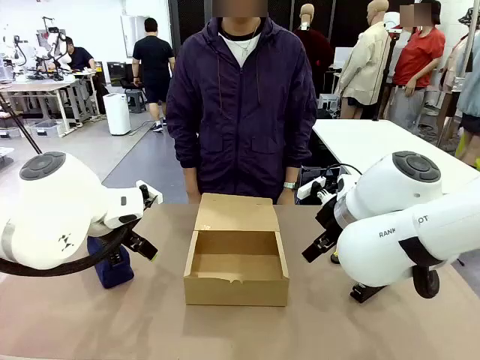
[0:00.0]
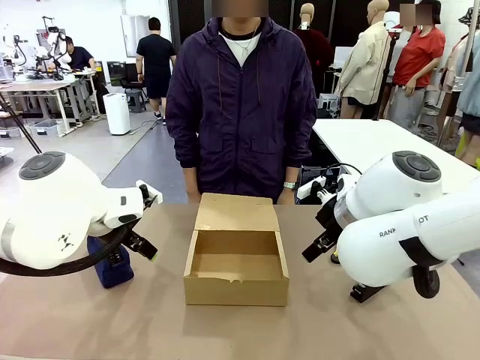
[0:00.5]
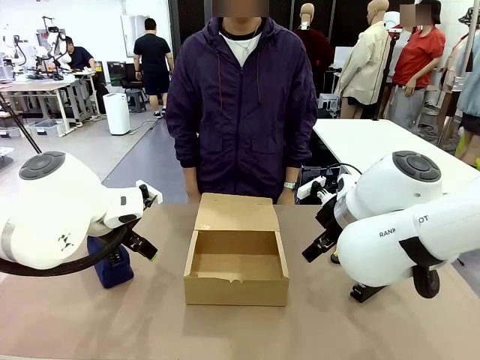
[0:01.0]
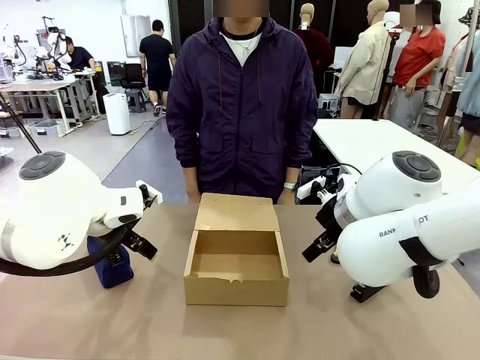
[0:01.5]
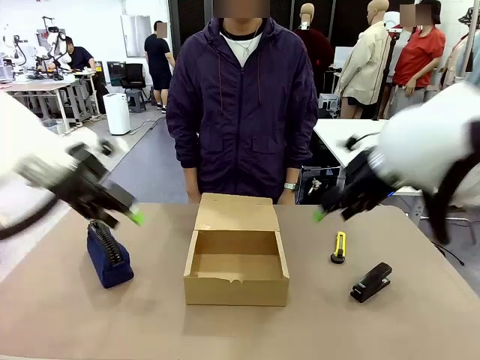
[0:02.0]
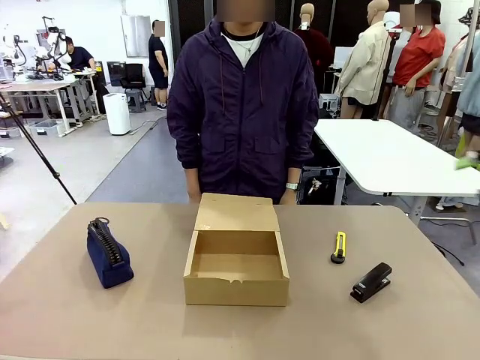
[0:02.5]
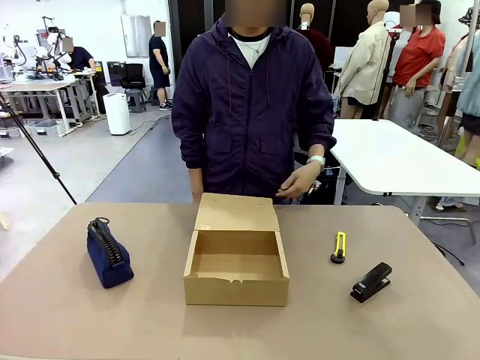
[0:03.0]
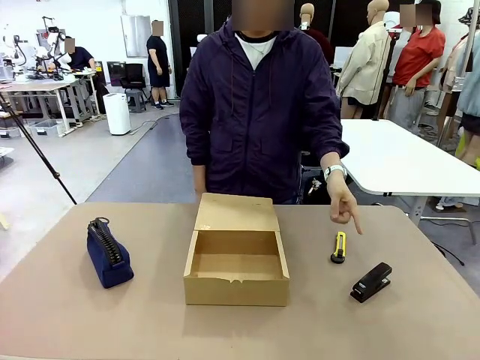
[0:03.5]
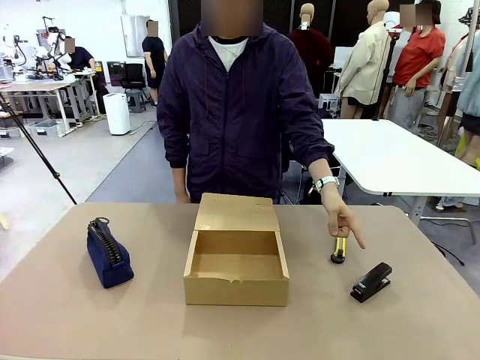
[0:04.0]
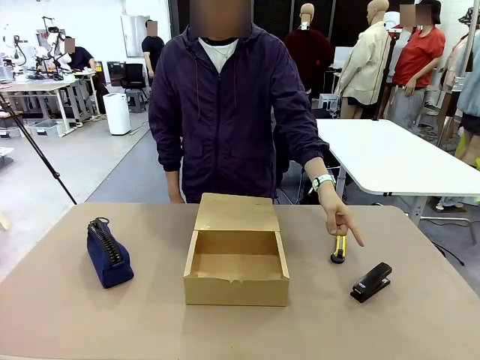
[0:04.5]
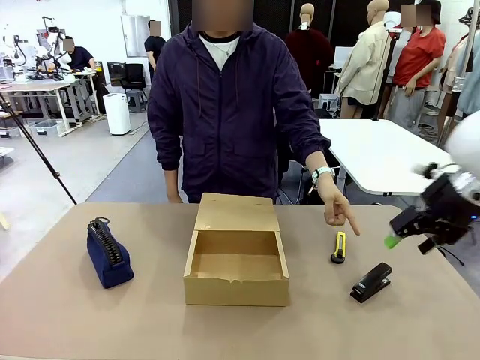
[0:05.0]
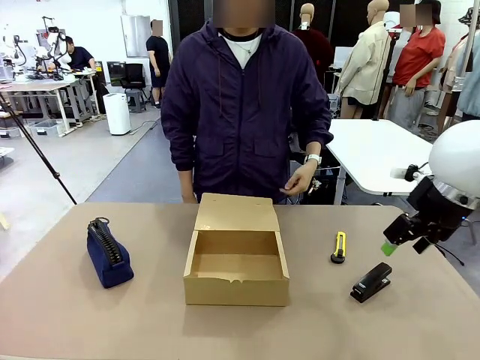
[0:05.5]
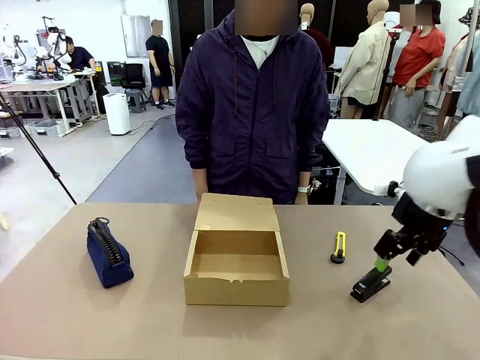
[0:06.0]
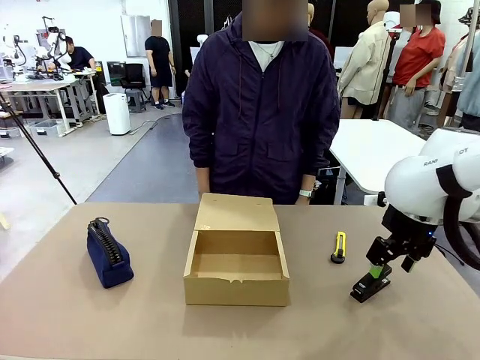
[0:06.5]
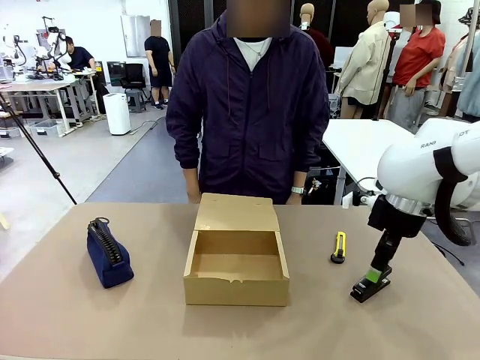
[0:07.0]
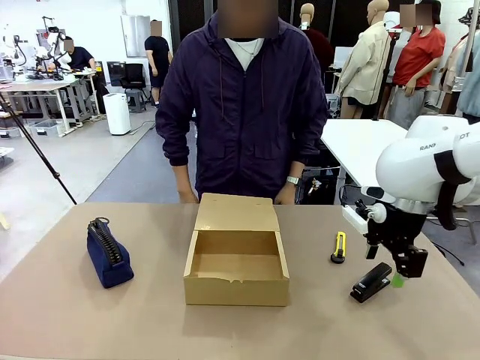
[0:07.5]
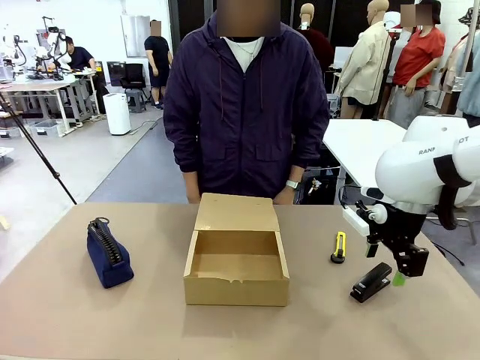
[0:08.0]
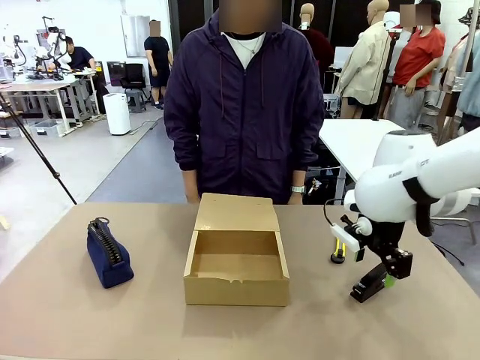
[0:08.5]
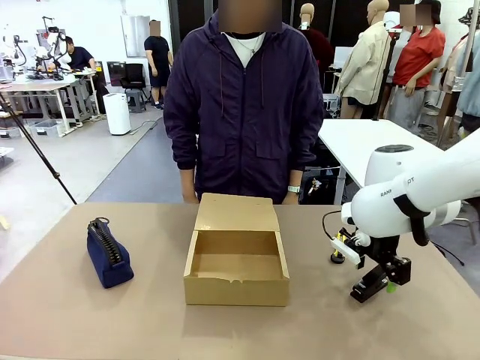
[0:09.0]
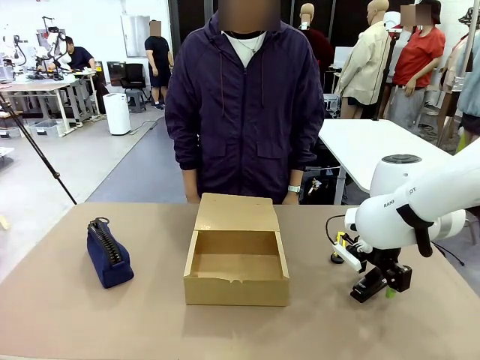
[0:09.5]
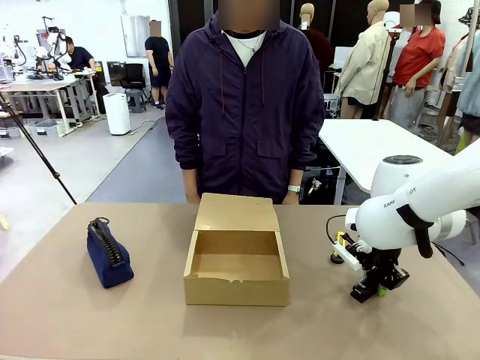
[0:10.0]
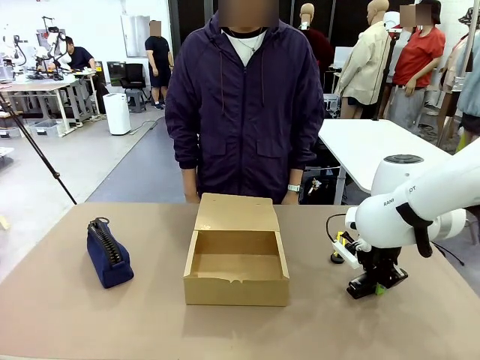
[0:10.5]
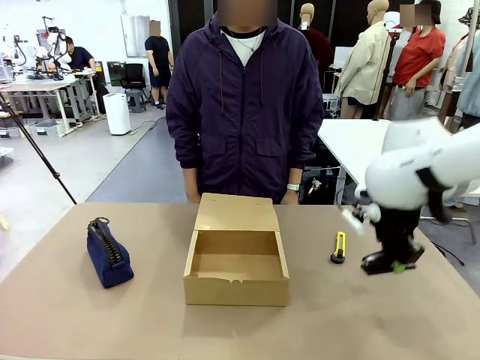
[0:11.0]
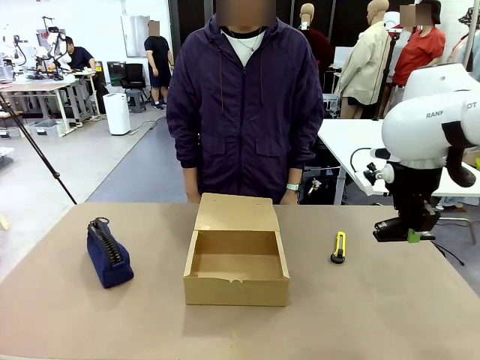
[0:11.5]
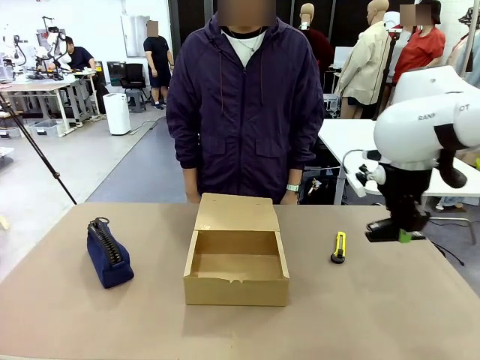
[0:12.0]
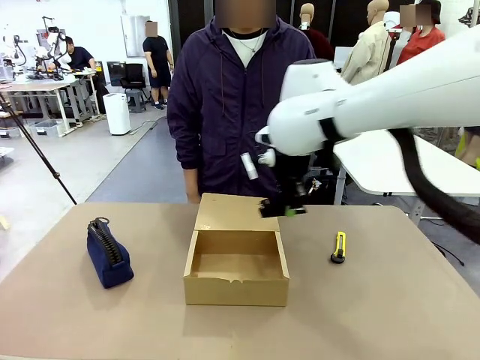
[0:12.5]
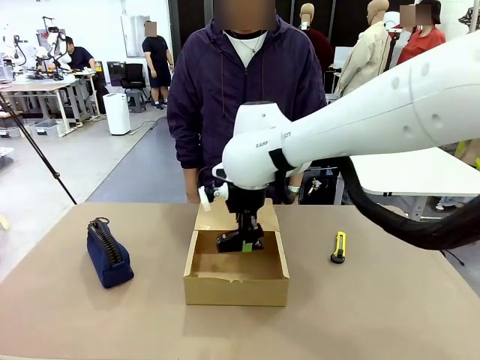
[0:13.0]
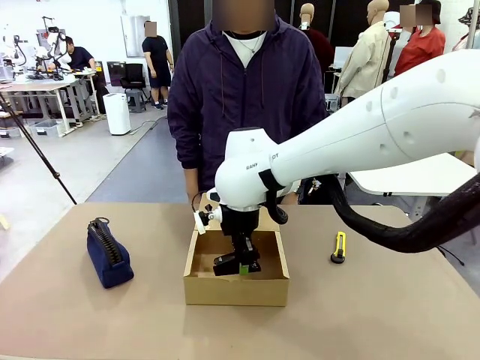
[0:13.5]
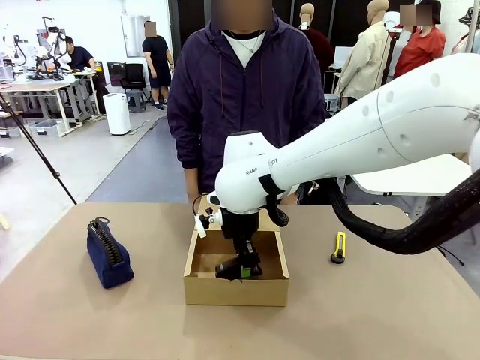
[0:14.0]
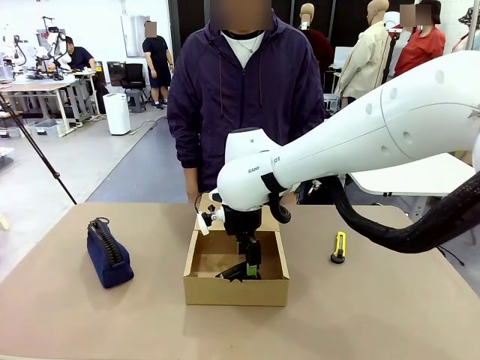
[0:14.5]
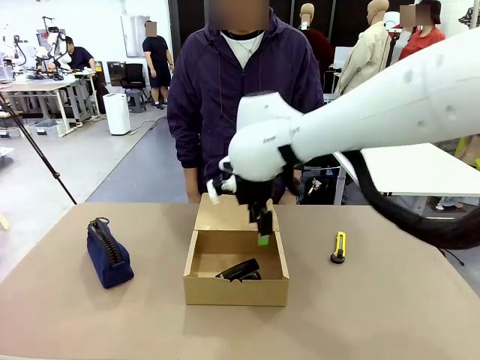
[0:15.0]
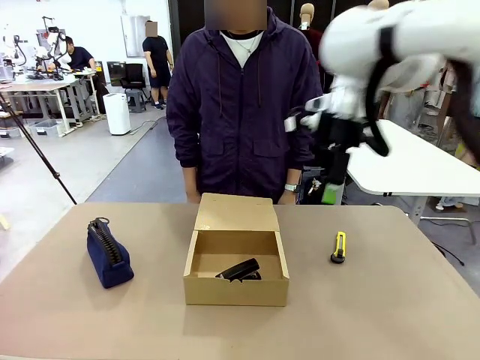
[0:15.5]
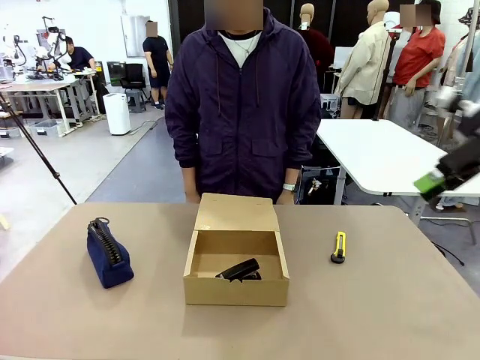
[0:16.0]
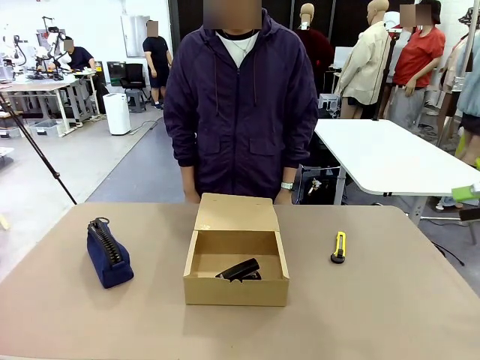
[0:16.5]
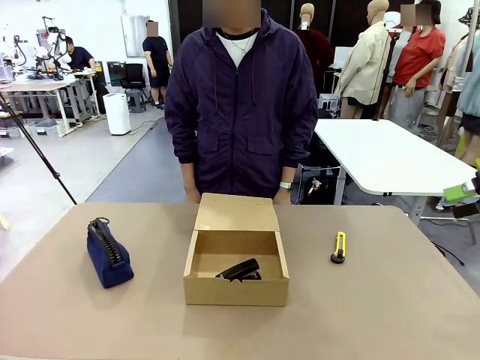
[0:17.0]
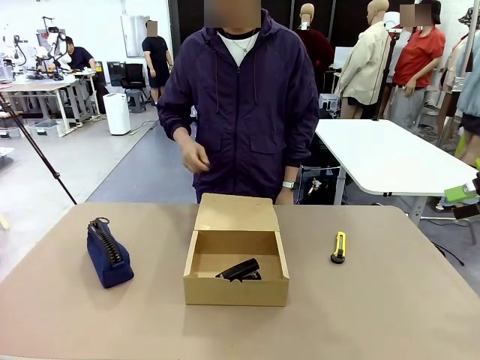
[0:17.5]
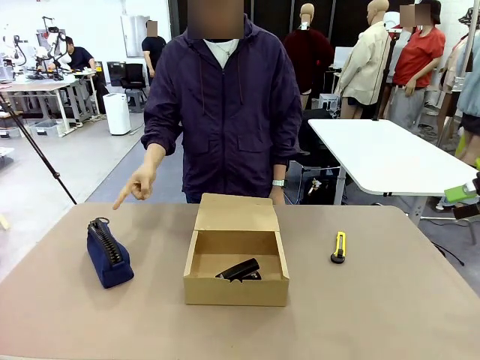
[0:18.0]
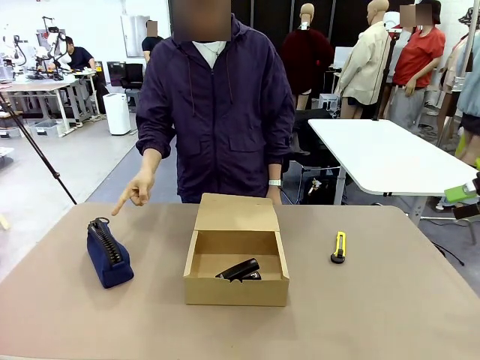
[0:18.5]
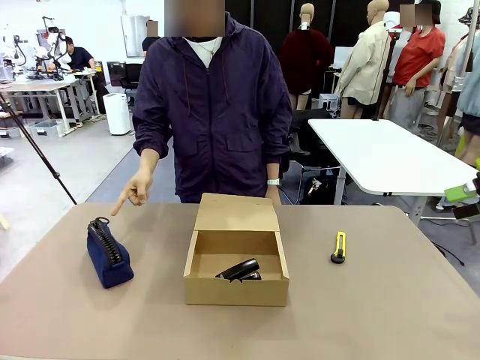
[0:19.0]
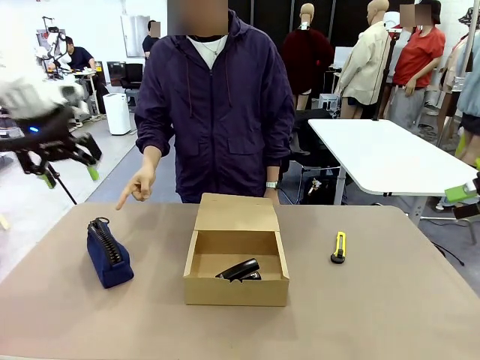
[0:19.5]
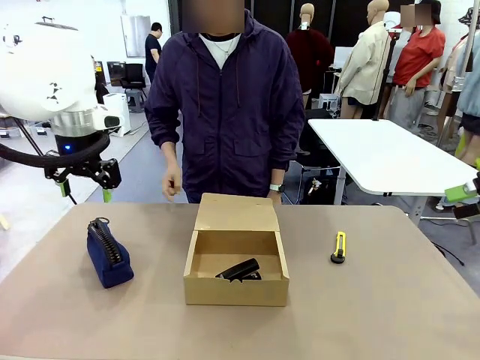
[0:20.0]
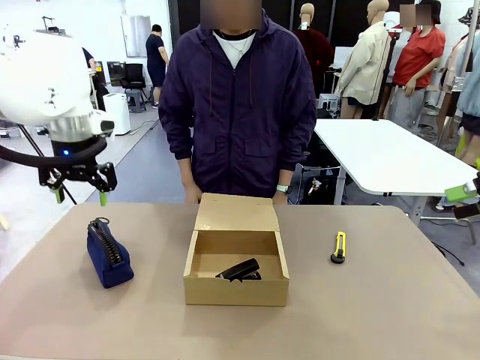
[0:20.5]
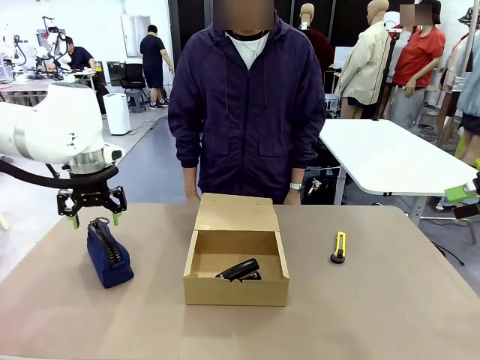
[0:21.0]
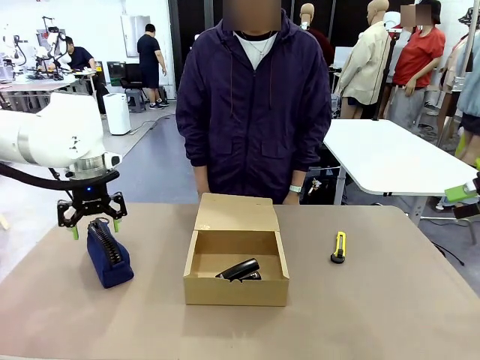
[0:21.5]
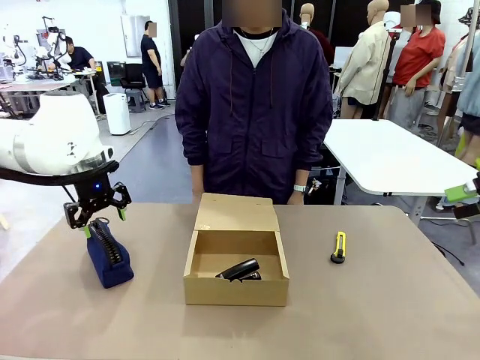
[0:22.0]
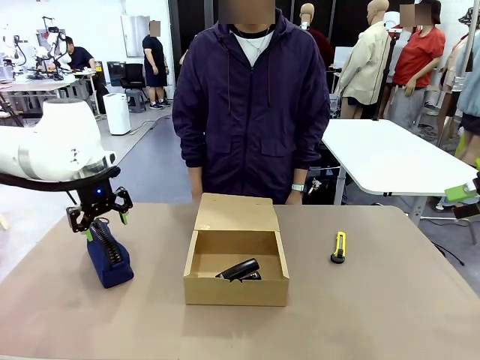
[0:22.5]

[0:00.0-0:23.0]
Task: Pack the items into the box.
Robot: Pick up the item indicated by the person and place it inside the Mailer Box.
Person: Point at one item on the table (excluding the box).
